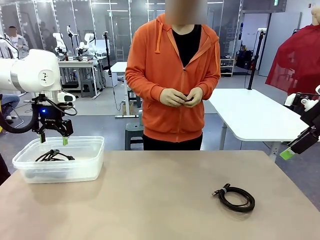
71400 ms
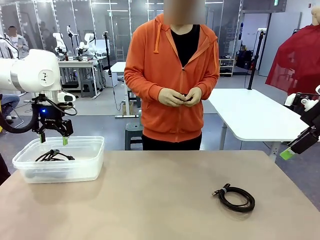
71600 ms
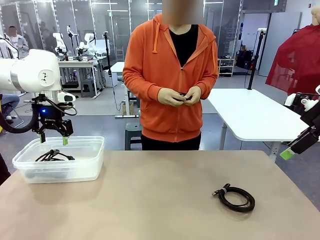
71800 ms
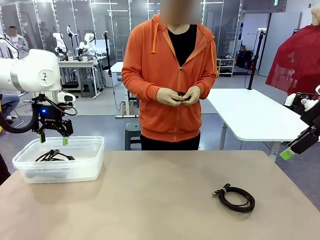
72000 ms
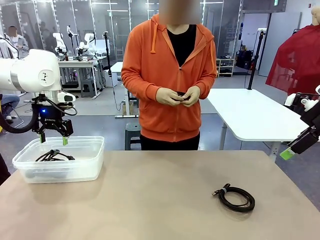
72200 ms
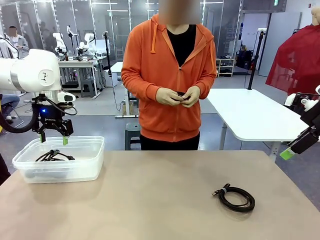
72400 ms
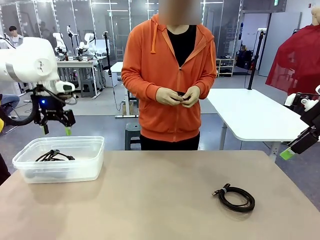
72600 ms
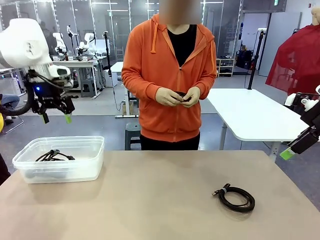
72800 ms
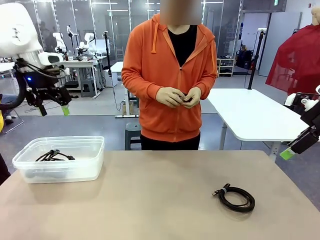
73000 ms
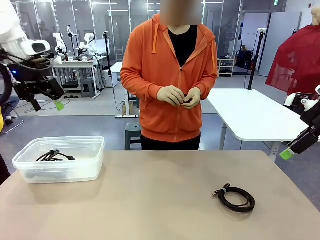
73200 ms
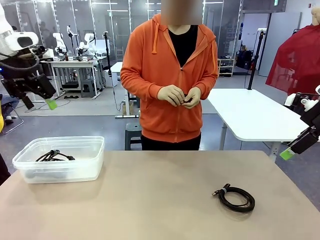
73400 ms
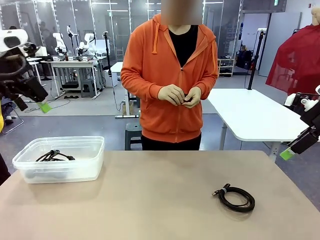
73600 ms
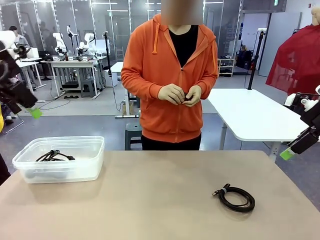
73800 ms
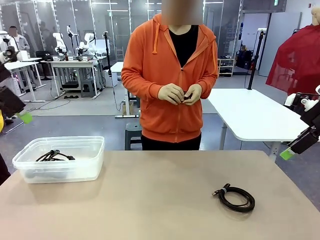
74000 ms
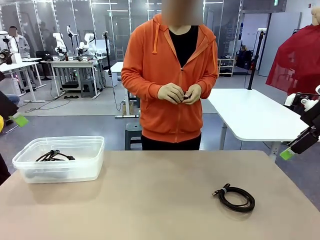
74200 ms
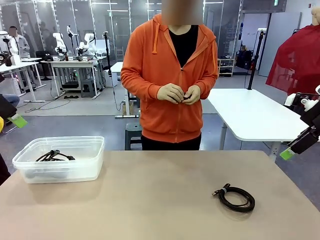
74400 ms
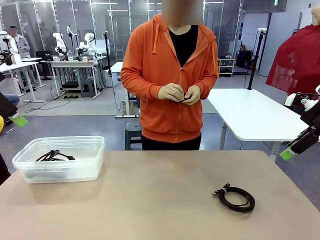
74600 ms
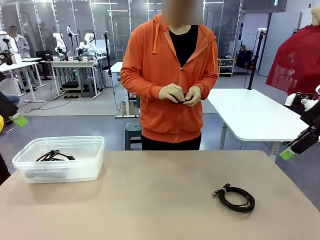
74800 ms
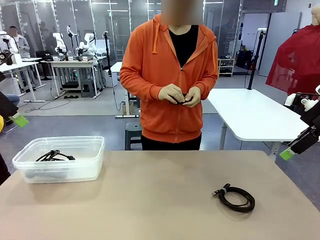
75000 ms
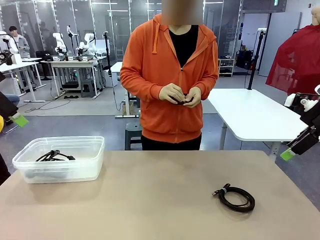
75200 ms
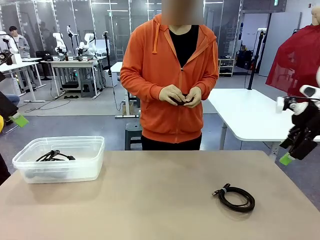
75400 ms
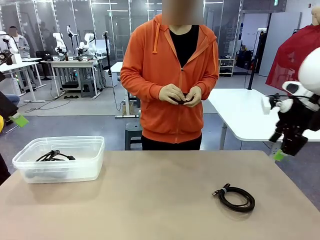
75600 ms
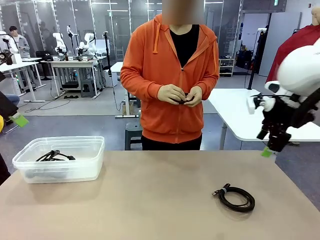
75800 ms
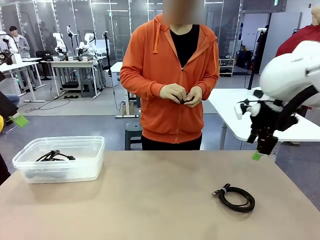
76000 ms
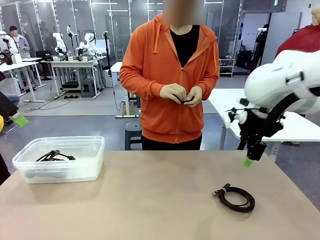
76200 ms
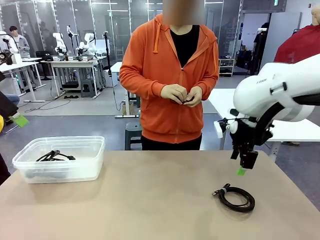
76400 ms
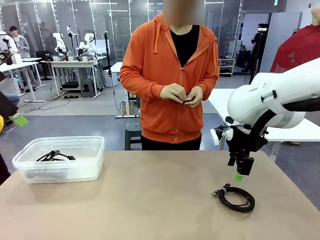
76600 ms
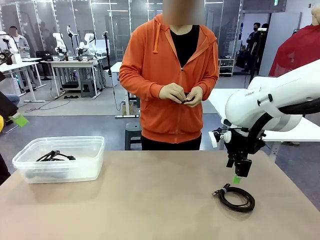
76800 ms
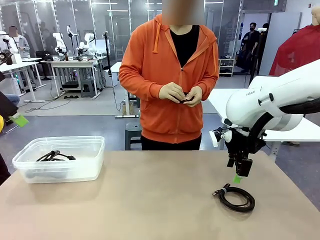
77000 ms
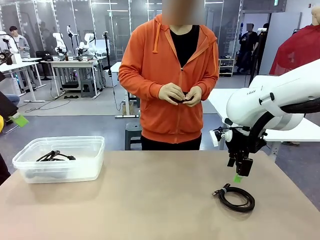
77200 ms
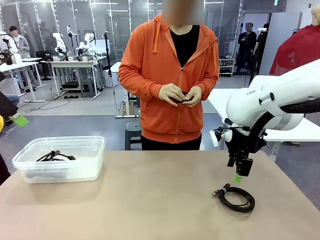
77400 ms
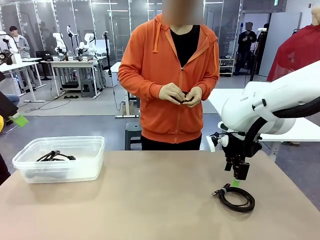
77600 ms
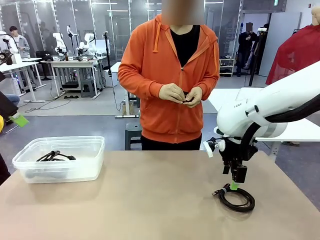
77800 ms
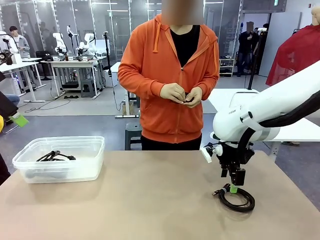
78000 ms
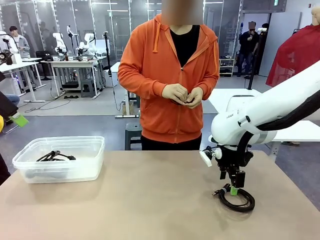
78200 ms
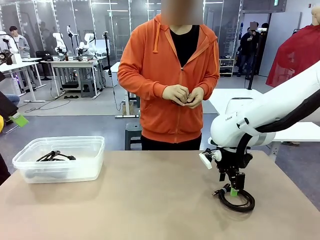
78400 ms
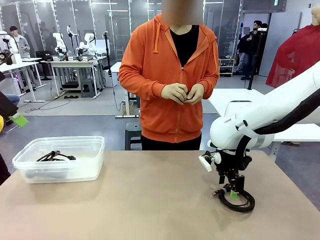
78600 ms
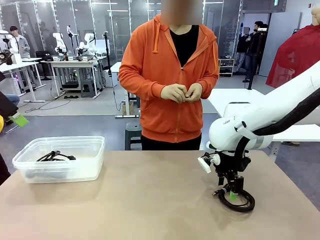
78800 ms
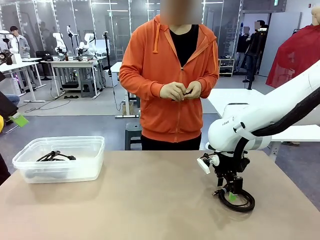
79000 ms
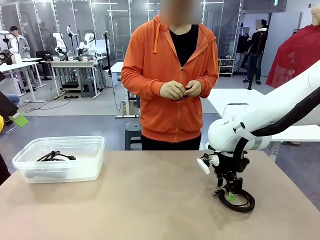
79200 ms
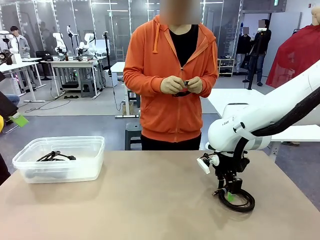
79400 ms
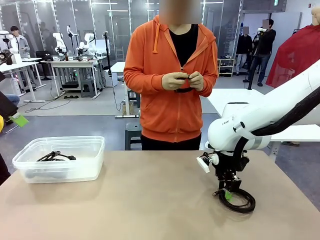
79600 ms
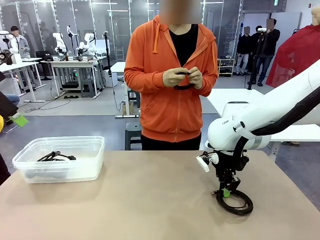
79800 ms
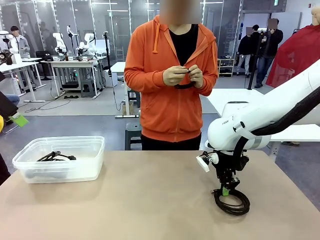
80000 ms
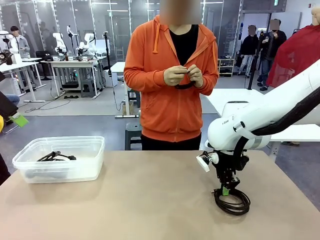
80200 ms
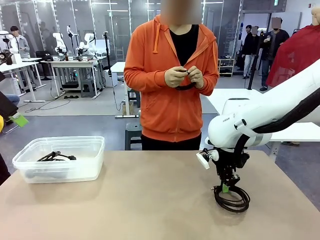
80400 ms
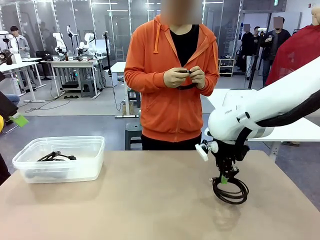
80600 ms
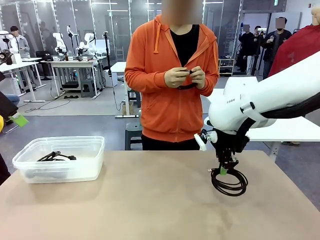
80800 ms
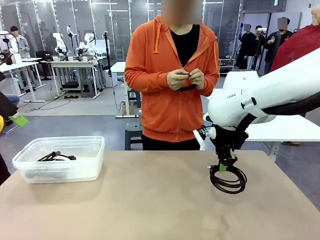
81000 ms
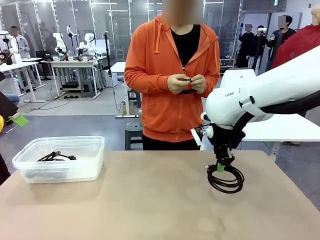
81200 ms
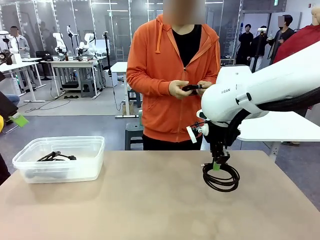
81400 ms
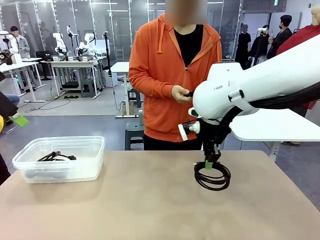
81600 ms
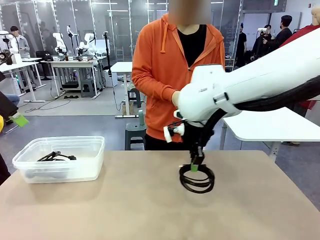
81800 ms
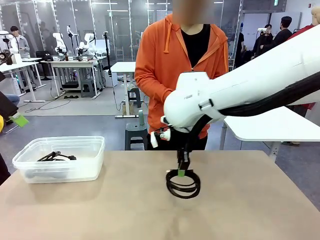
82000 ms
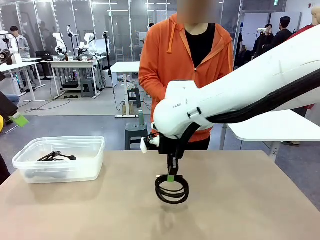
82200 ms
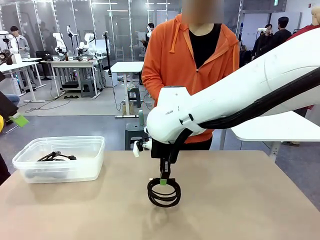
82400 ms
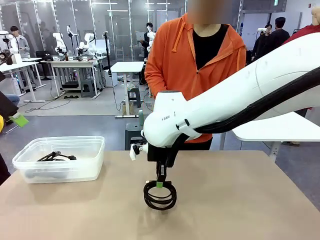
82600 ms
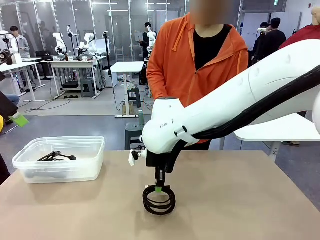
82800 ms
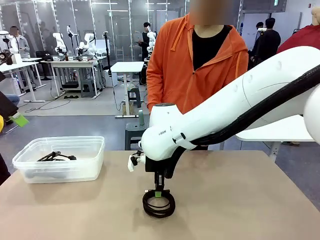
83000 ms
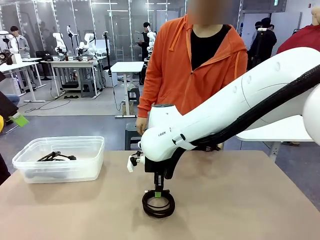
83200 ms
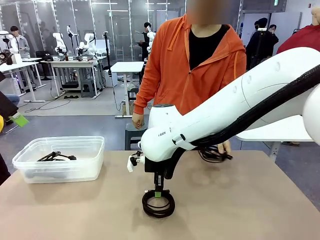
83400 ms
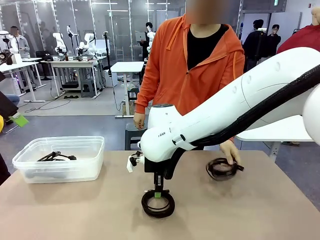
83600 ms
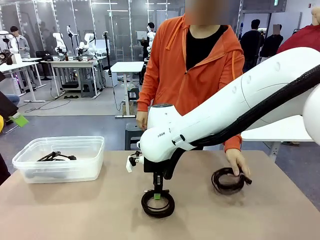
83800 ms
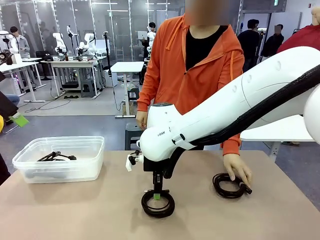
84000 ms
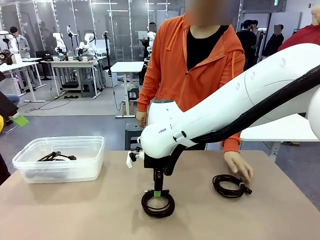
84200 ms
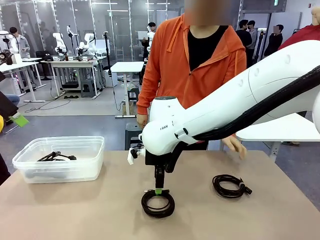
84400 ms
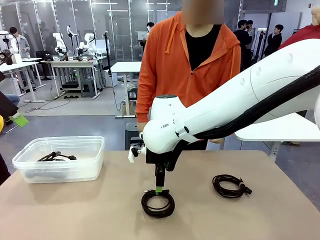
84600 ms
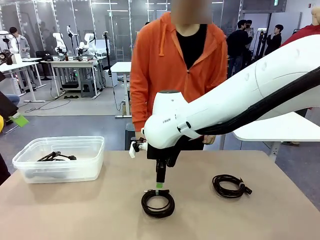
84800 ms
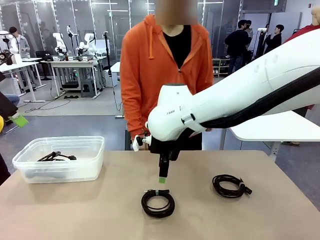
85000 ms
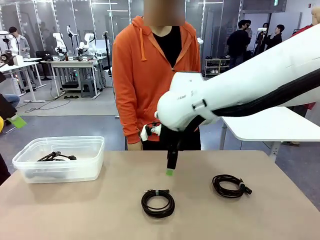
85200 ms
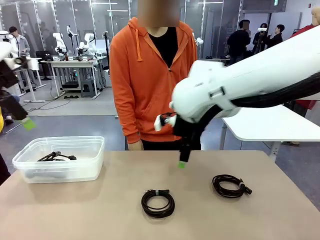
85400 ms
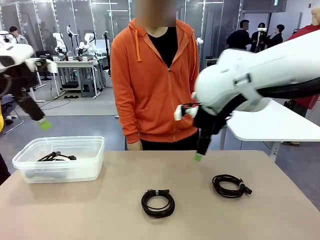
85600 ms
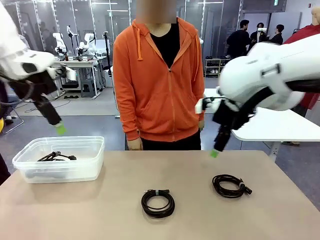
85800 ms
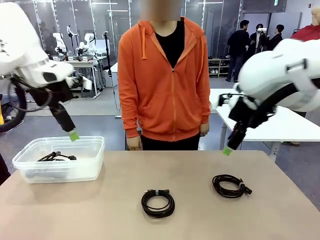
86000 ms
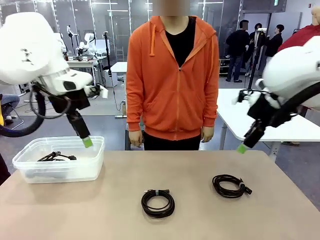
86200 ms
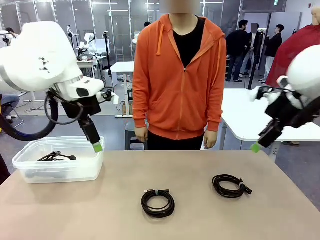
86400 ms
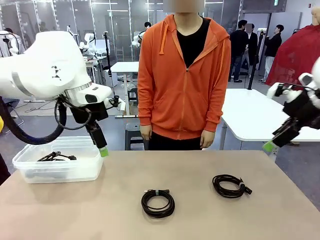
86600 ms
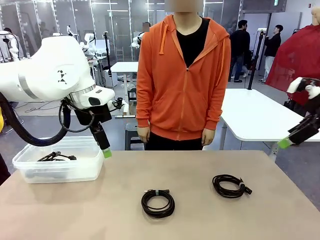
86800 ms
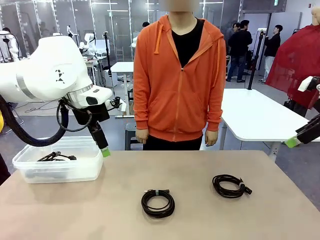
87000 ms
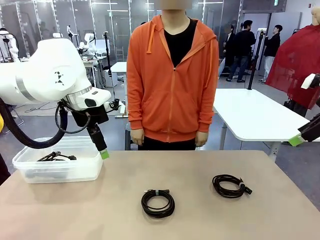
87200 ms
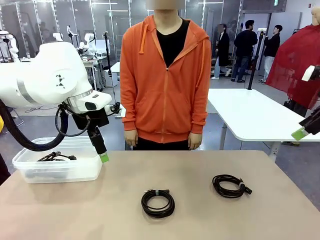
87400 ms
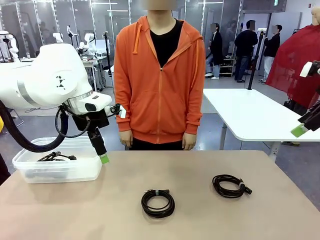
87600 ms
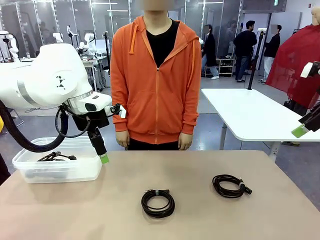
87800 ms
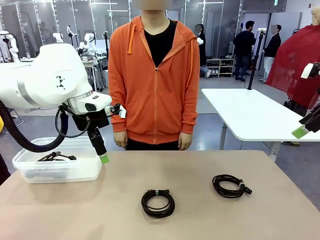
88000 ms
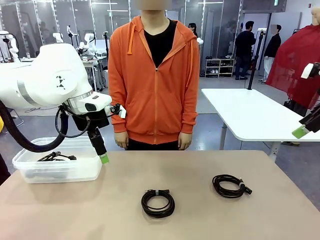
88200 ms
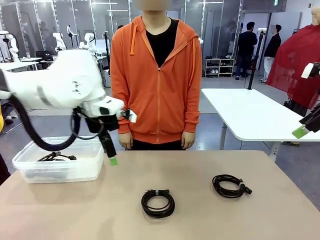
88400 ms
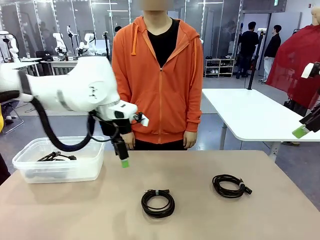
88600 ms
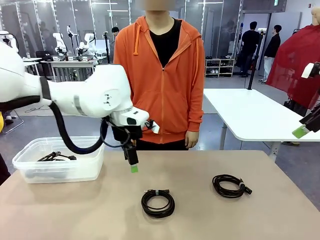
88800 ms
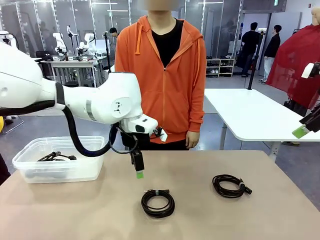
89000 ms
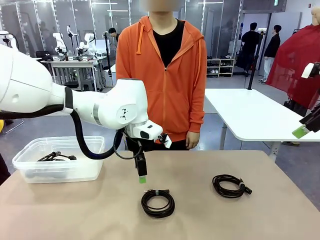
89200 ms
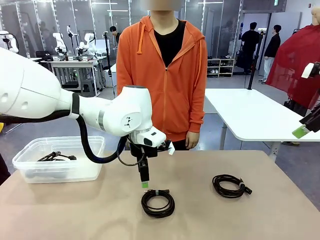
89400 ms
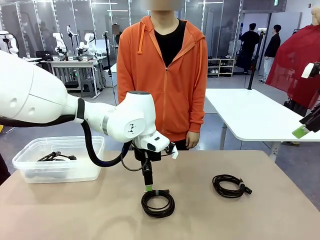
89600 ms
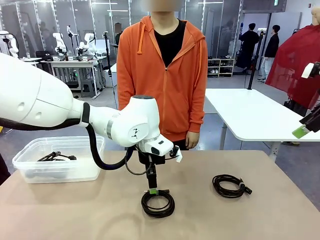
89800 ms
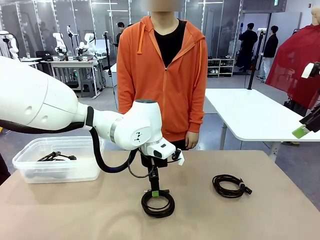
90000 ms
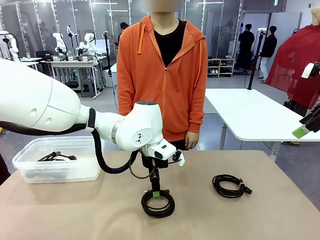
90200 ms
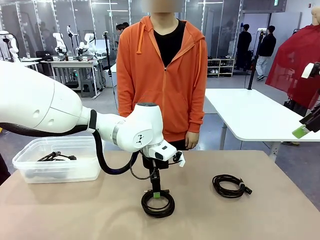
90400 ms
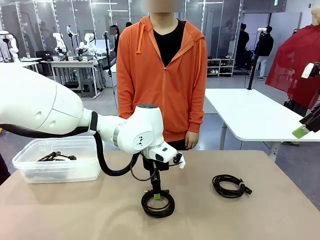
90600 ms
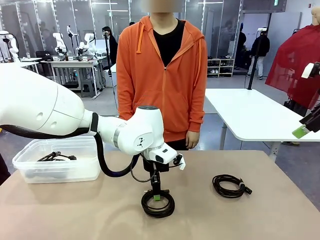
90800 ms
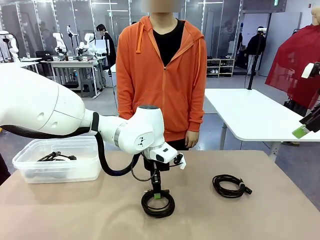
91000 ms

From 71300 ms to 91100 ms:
Task: Organize and store the cables.
Robot: Place the USB Extension Cable into the Organizing box.
